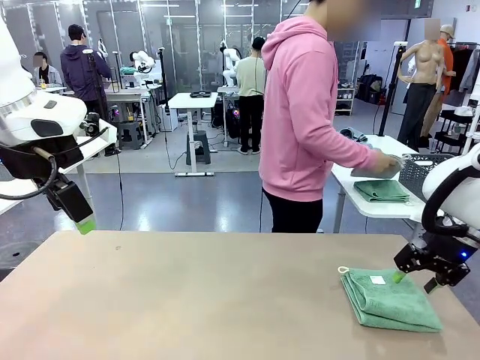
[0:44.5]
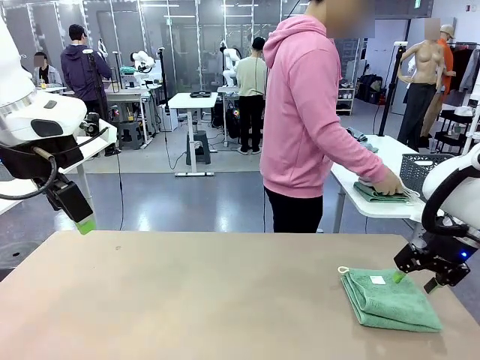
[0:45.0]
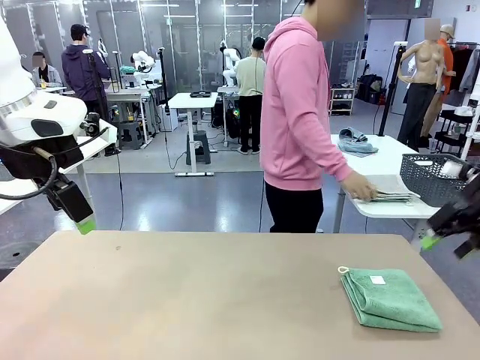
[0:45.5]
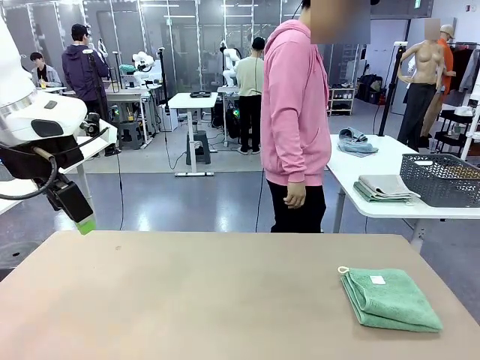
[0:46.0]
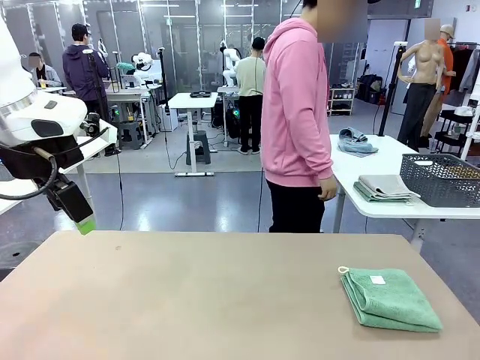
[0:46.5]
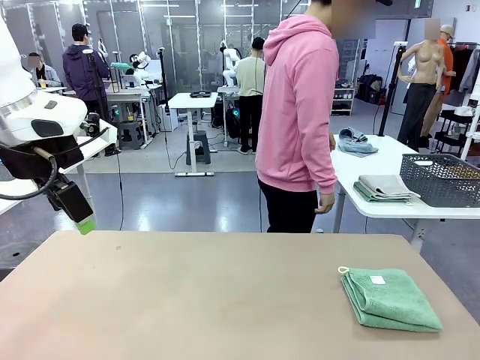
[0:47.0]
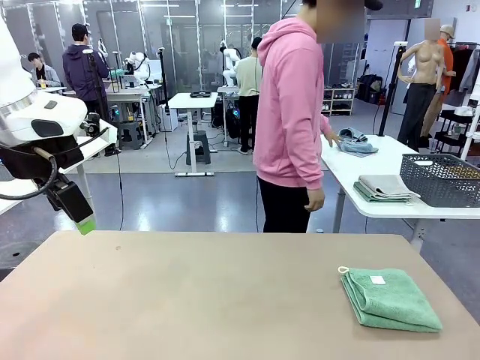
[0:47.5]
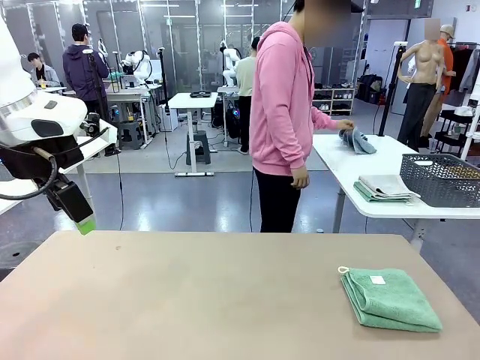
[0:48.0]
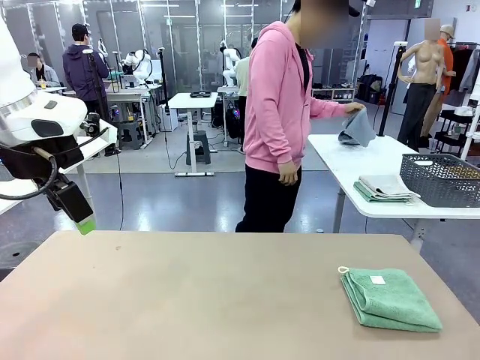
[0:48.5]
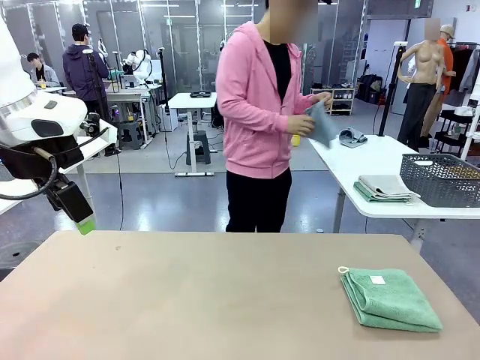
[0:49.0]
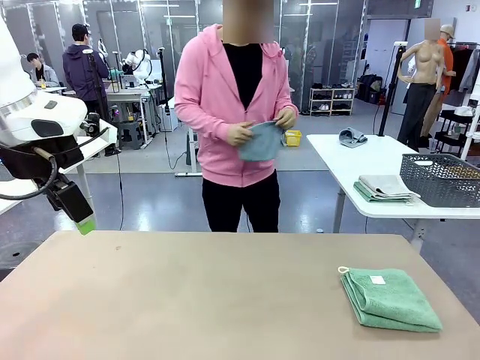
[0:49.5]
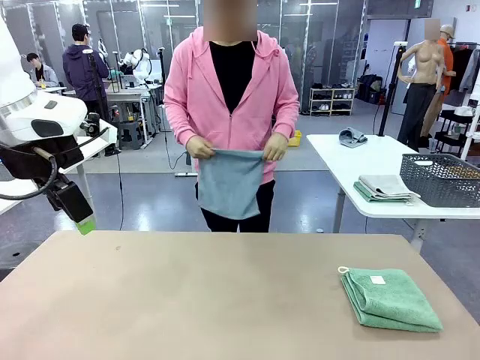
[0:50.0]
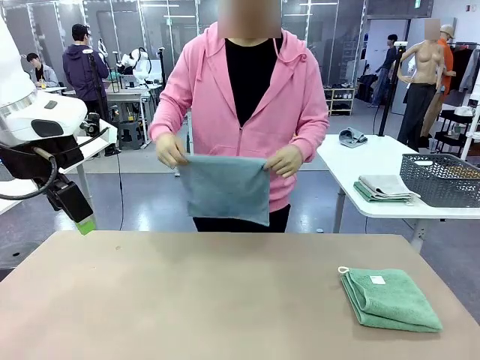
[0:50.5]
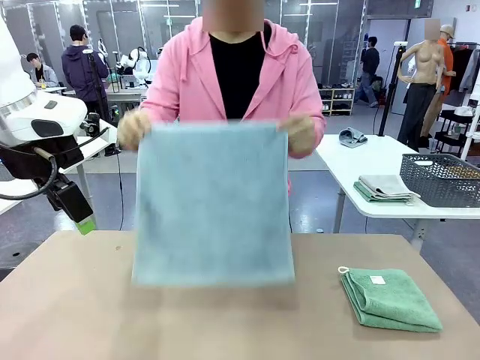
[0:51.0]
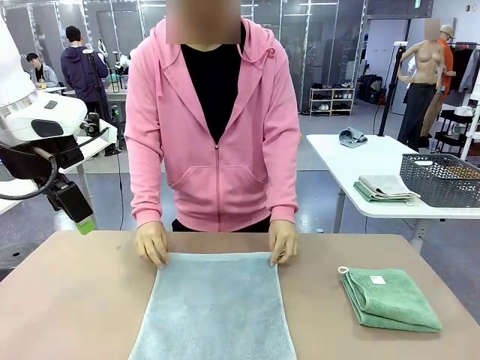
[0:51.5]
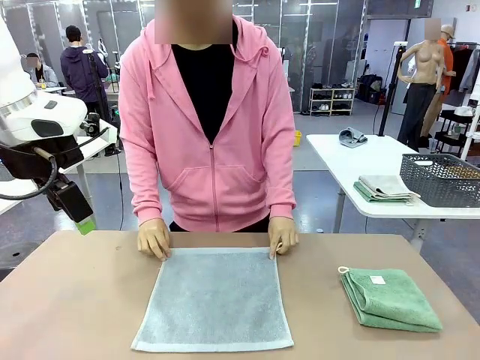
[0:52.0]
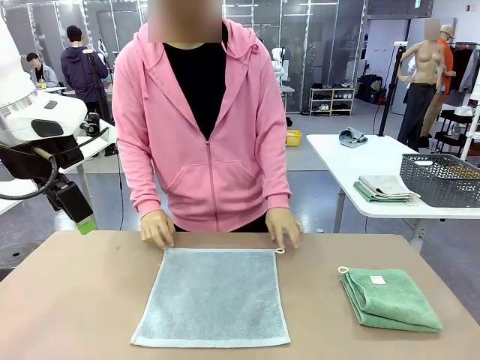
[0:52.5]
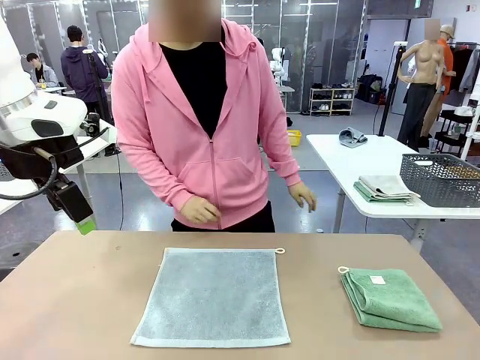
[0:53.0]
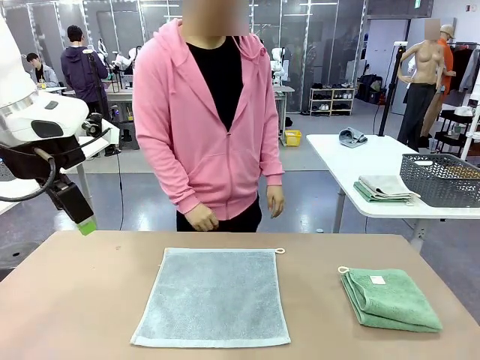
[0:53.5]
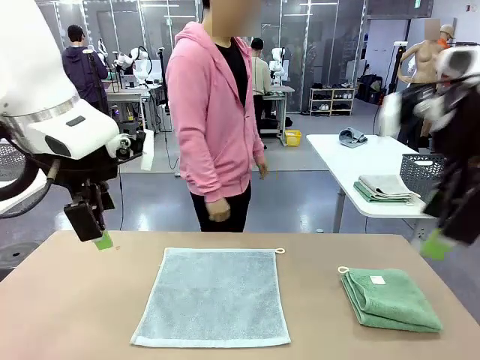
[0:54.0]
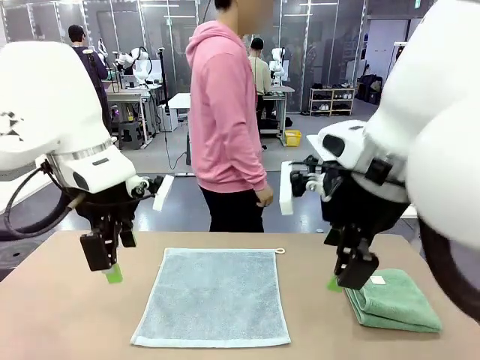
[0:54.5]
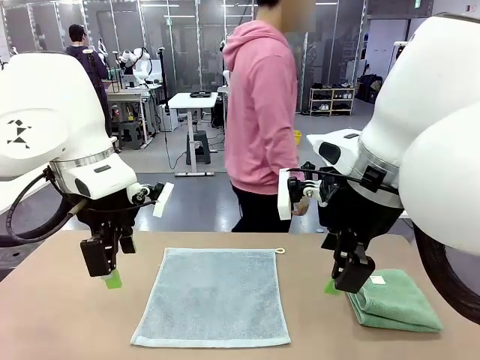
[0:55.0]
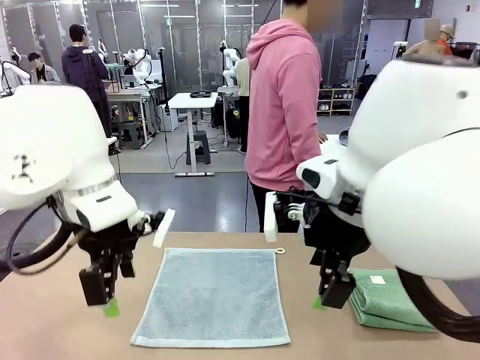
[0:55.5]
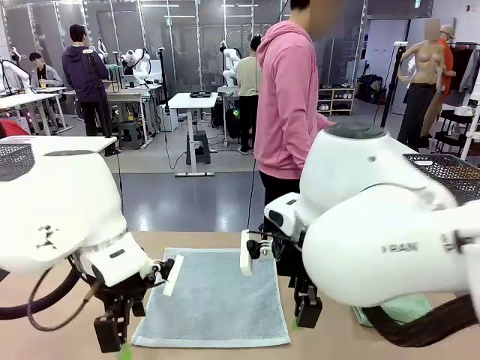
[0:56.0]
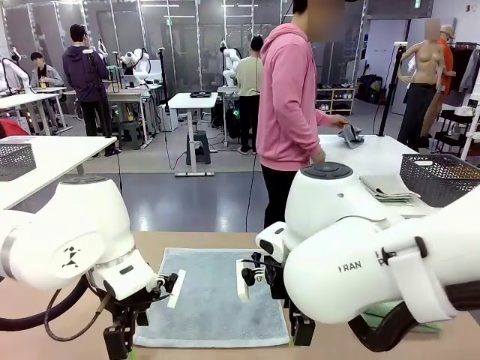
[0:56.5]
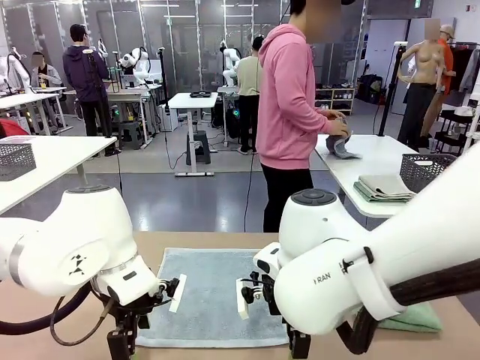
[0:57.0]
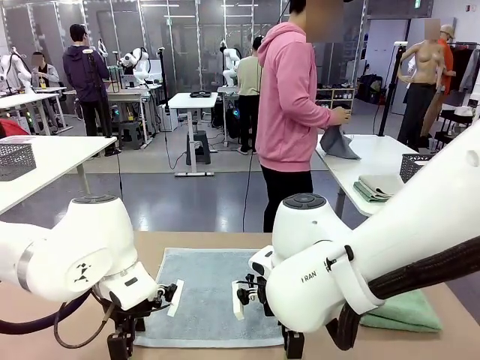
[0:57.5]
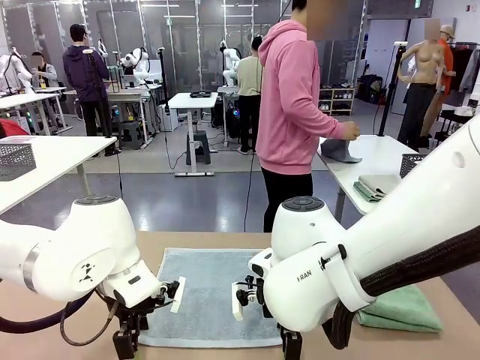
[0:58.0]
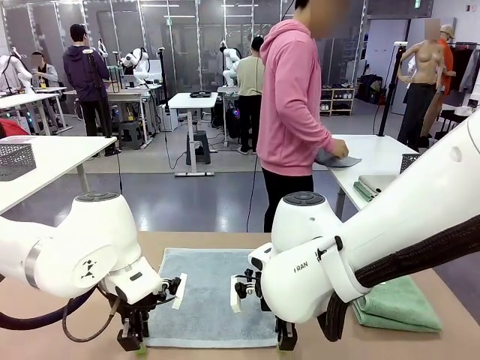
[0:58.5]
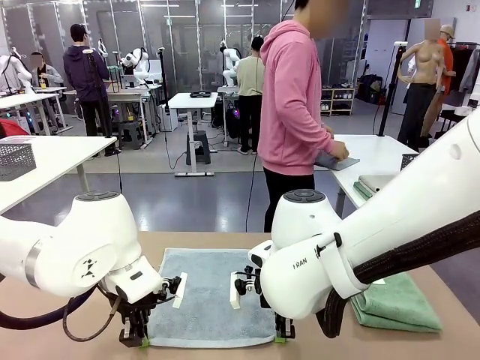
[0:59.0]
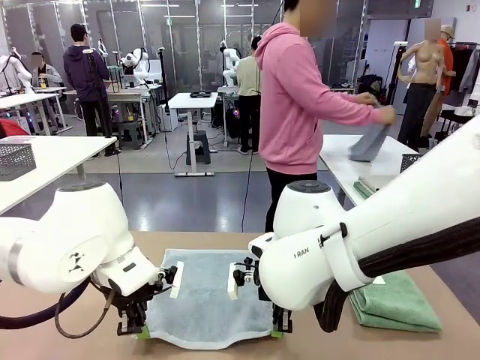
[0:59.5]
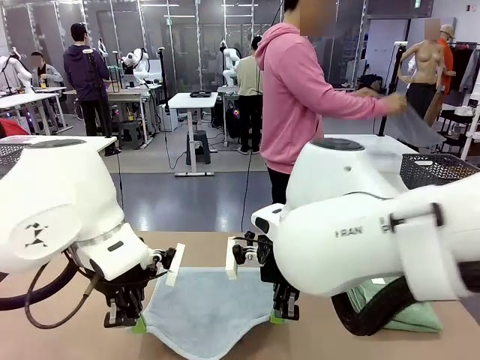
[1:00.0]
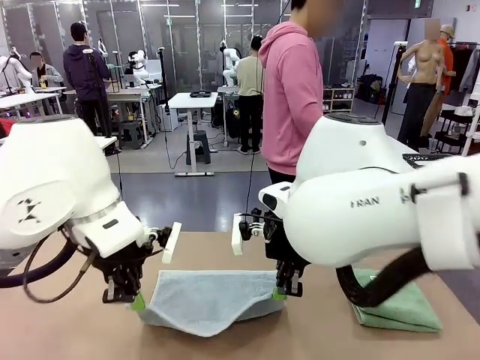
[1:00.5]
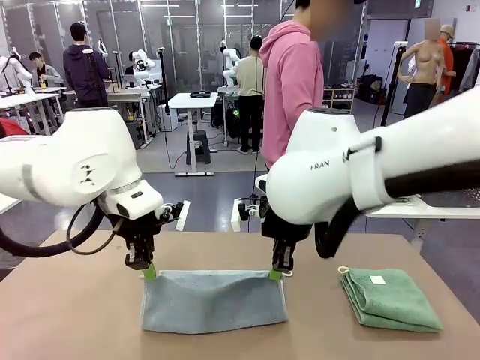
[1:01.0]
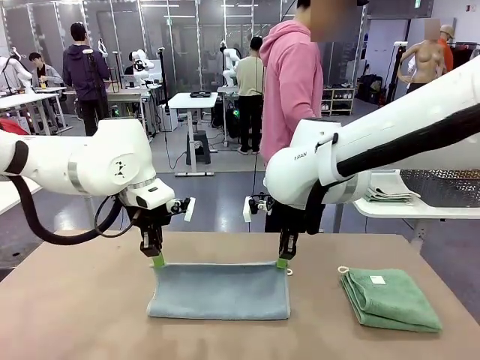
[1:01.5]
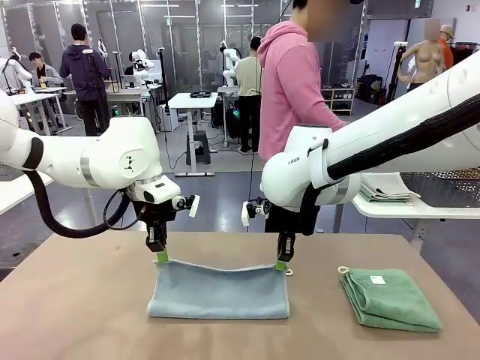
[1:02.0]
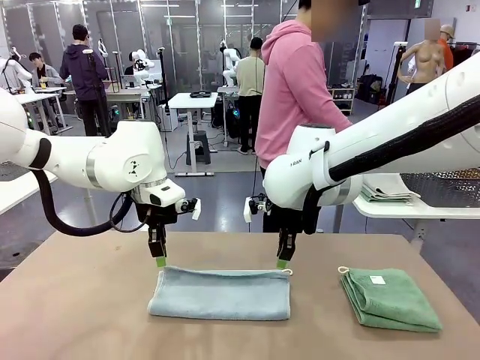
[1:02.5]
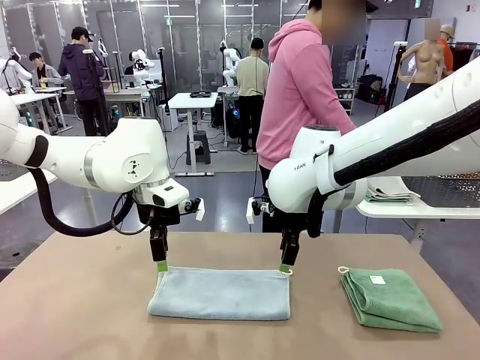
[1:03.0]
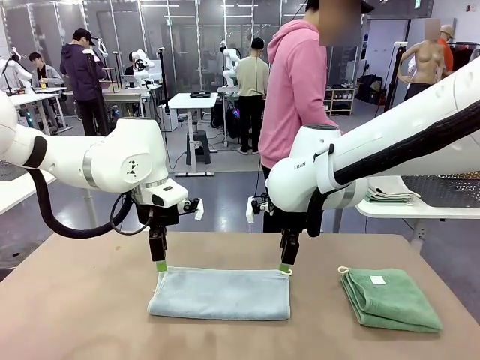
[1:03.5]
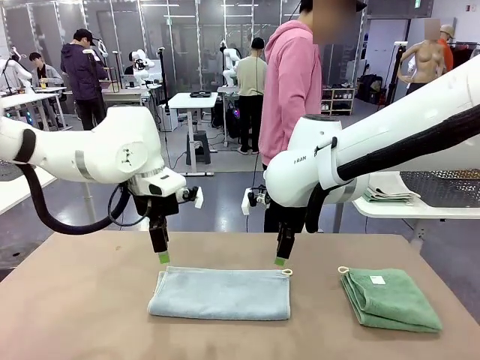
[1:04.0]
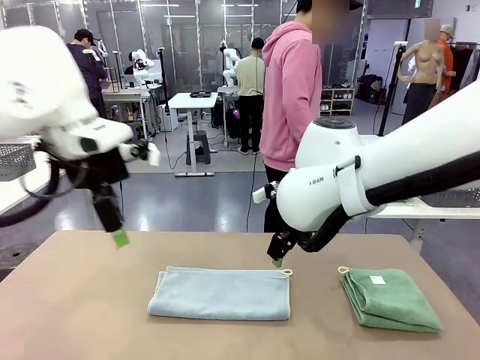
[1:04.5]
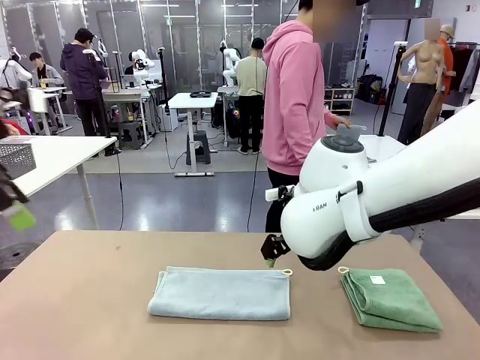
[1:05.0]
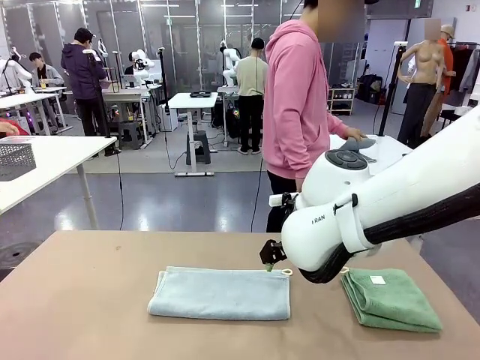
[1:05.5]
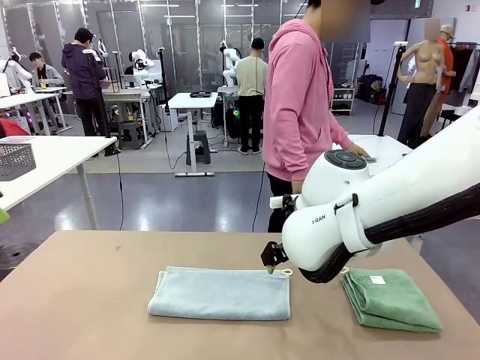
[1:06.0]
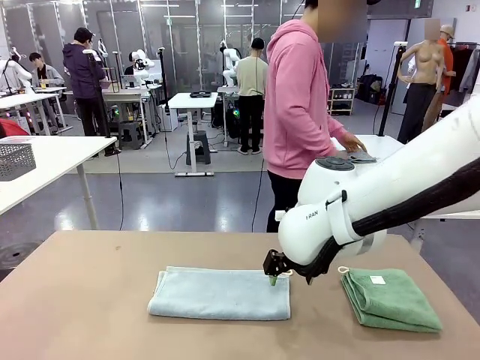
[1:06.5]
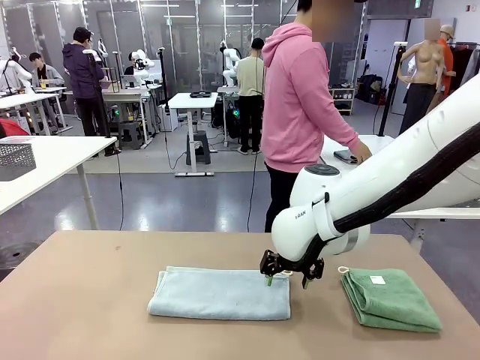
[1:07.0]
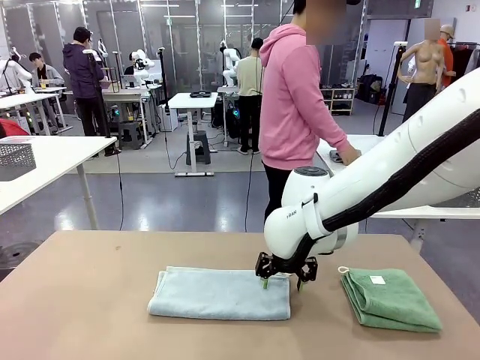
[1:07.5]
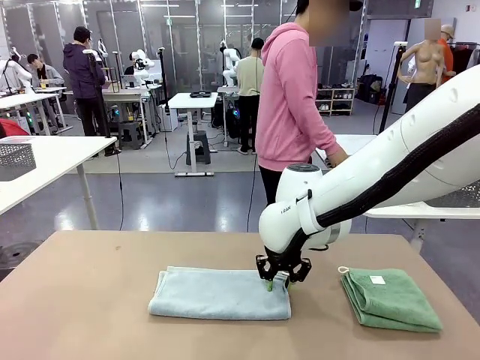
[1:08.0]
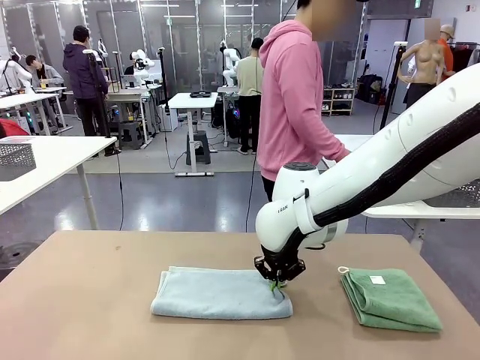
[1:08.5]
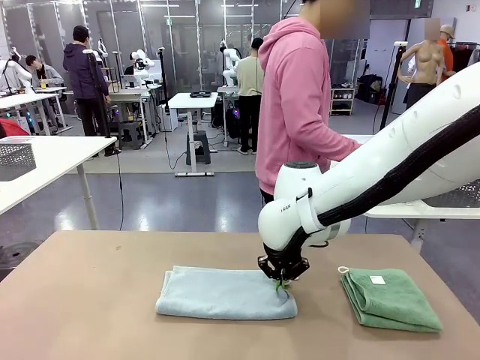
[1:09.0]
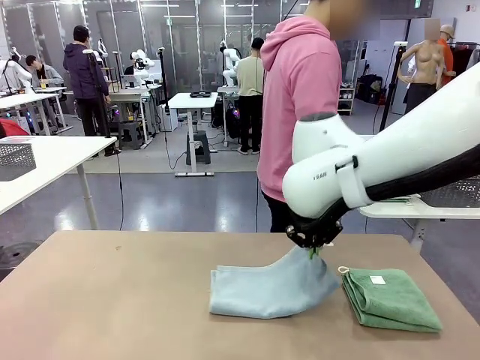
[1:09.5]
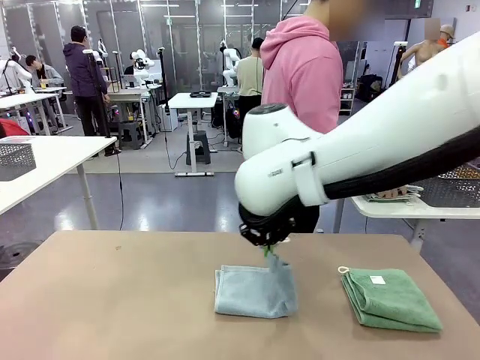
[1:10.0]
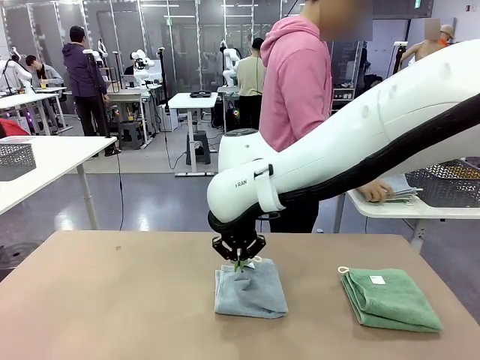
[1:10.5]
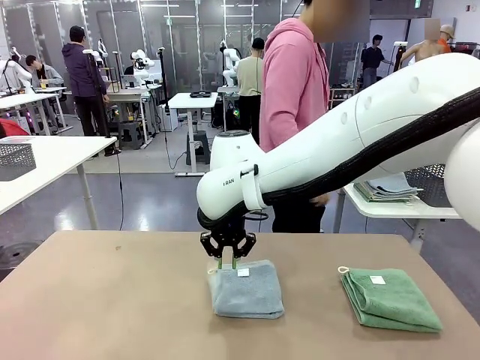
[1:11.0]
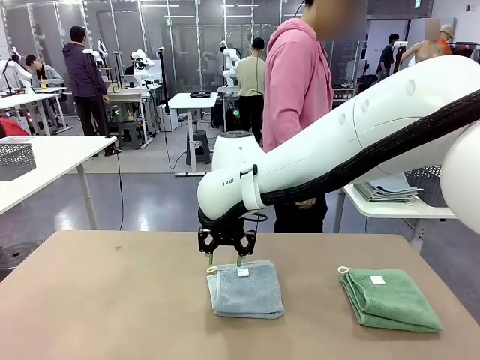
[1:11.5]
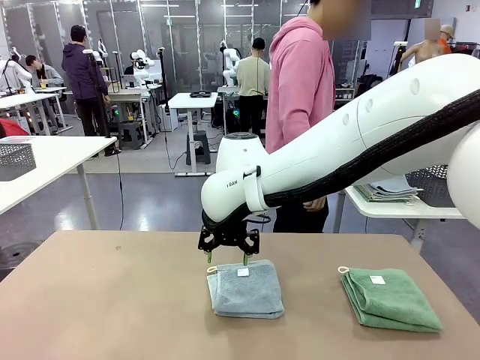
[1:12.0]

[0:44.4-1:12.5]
Task: Fold the towels and place them in the basket.
Robot: When a person lays out a Towel with hook on the table, fold it in half twice.
Person: Pick up one towel from the left side of the human table and spread it out at the center of the robot table. Pick up one towel from the left side of the human table, fold it in half twice, and stack it on the right side of the table.
